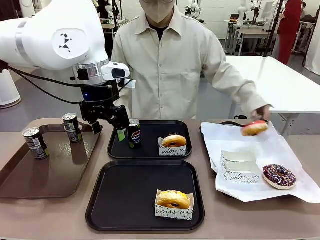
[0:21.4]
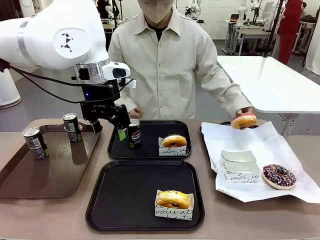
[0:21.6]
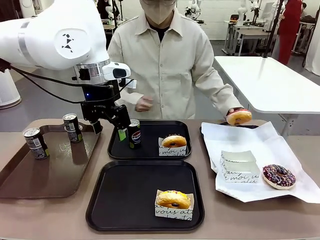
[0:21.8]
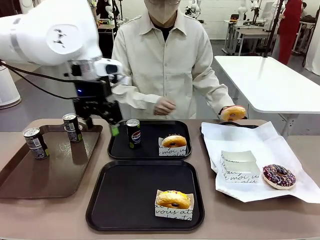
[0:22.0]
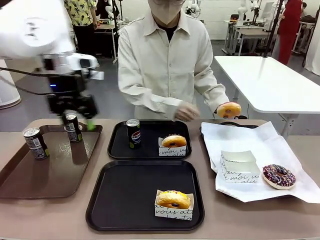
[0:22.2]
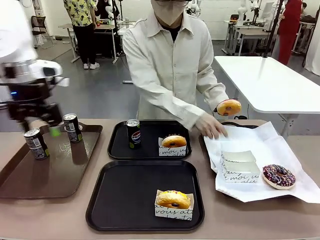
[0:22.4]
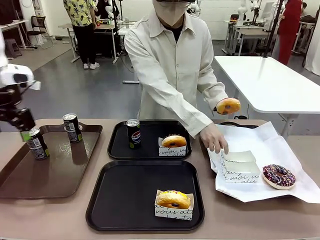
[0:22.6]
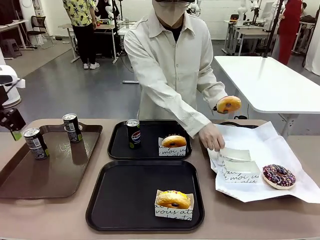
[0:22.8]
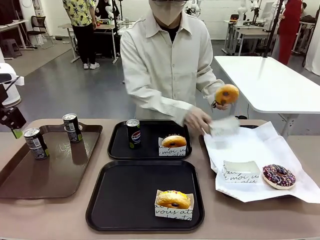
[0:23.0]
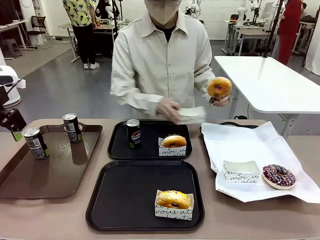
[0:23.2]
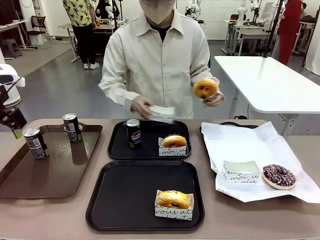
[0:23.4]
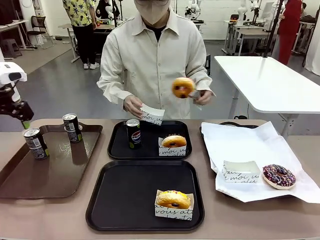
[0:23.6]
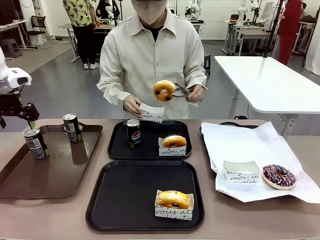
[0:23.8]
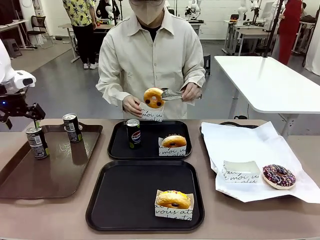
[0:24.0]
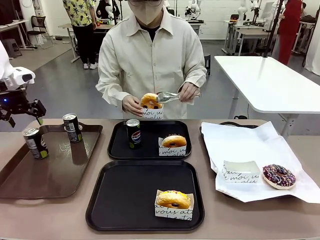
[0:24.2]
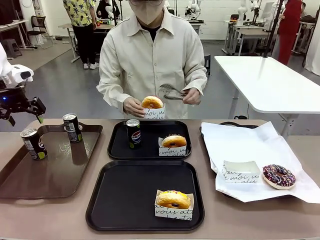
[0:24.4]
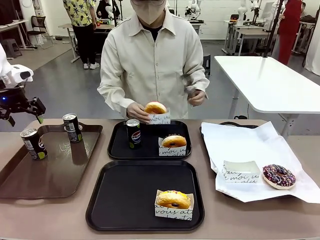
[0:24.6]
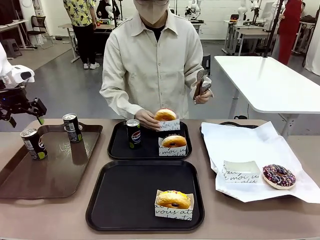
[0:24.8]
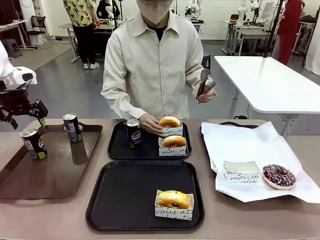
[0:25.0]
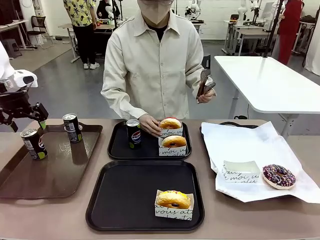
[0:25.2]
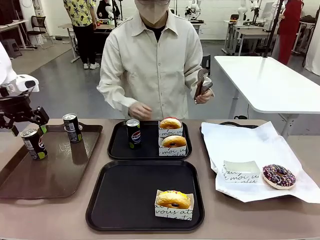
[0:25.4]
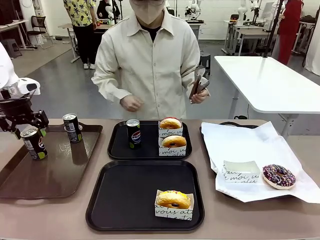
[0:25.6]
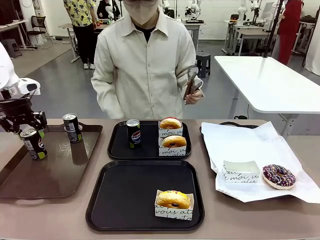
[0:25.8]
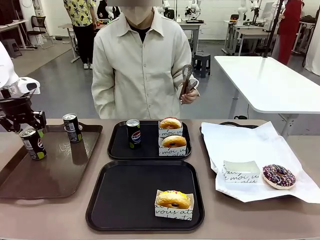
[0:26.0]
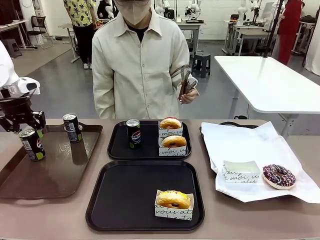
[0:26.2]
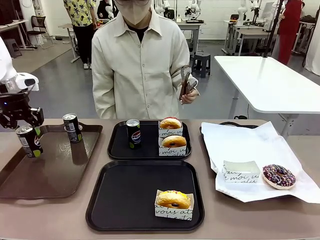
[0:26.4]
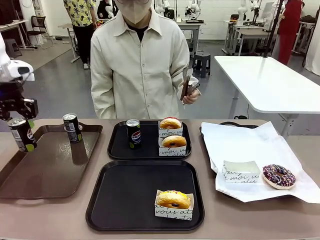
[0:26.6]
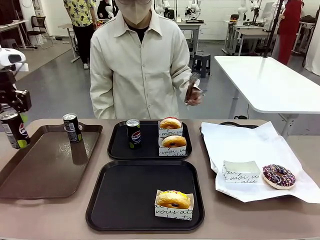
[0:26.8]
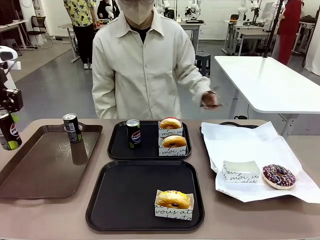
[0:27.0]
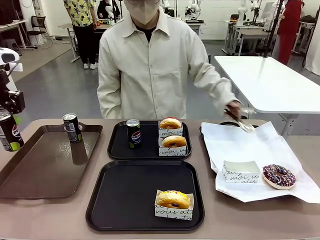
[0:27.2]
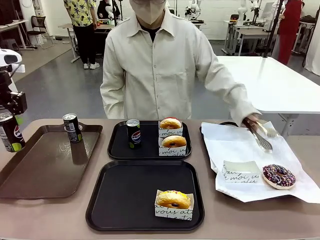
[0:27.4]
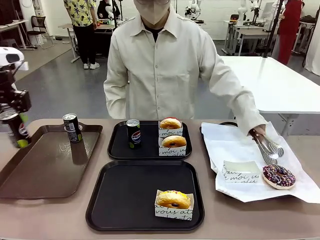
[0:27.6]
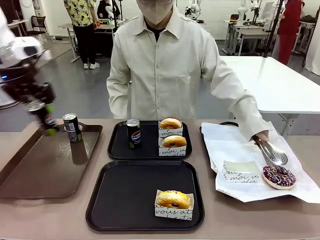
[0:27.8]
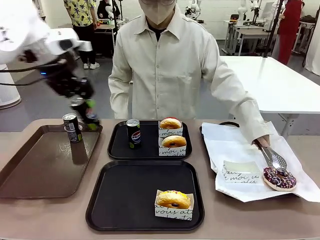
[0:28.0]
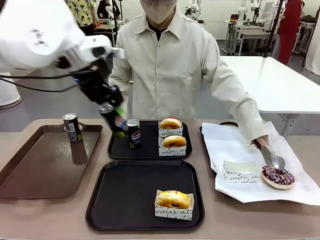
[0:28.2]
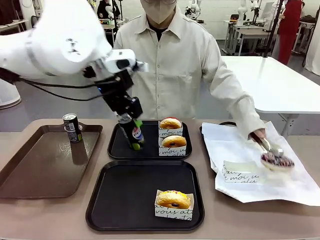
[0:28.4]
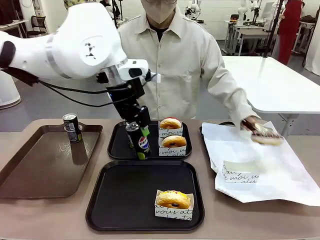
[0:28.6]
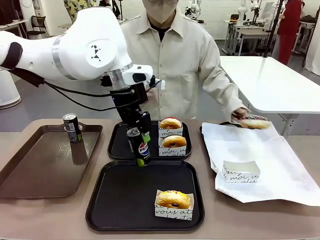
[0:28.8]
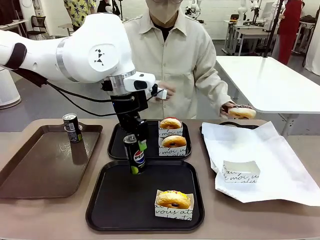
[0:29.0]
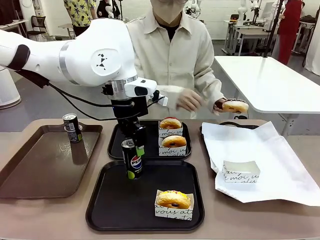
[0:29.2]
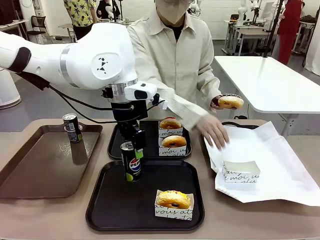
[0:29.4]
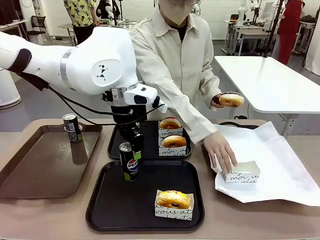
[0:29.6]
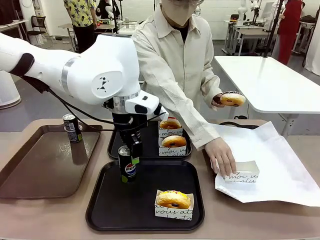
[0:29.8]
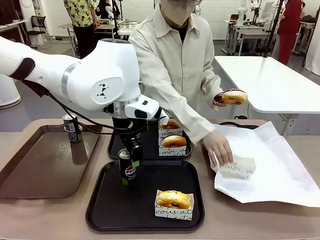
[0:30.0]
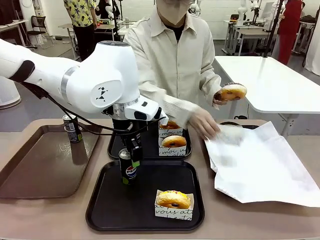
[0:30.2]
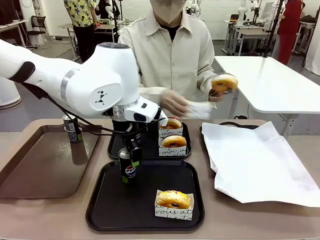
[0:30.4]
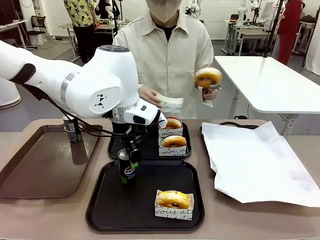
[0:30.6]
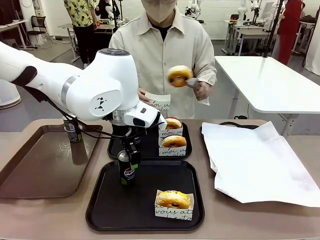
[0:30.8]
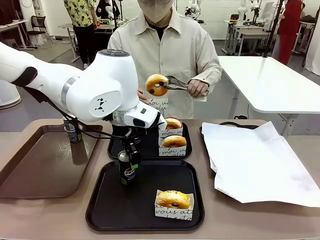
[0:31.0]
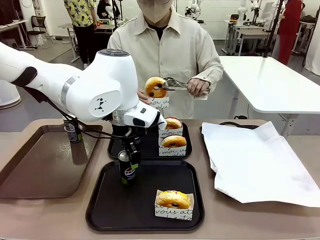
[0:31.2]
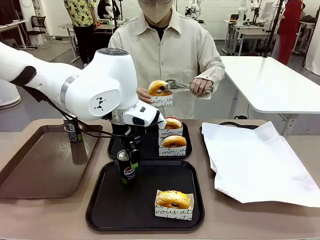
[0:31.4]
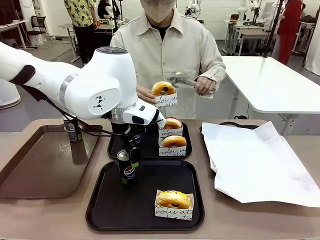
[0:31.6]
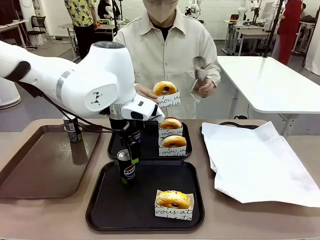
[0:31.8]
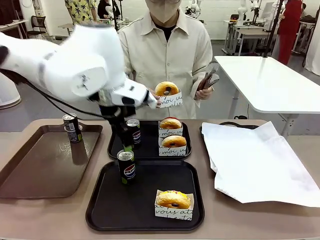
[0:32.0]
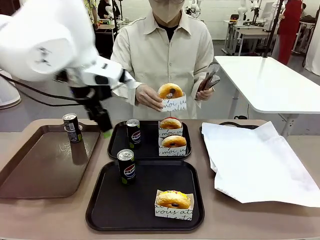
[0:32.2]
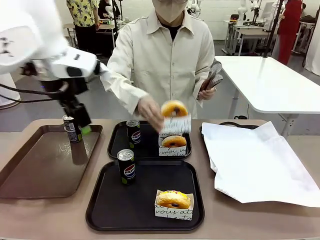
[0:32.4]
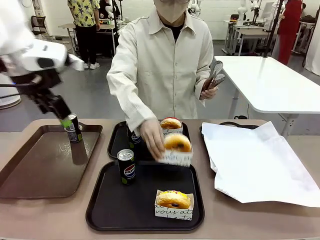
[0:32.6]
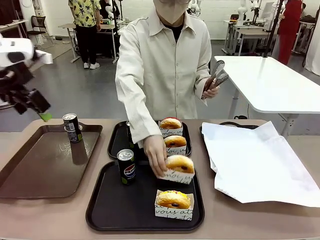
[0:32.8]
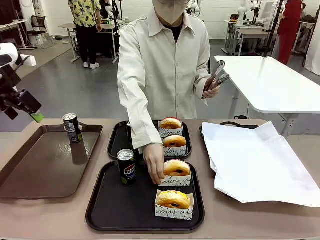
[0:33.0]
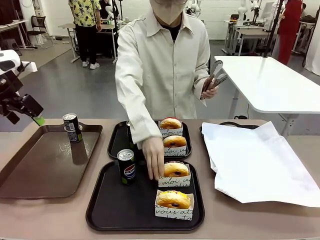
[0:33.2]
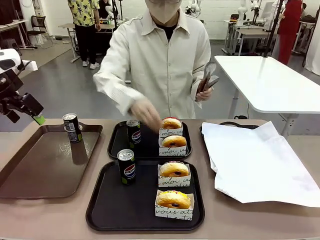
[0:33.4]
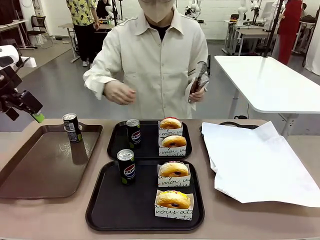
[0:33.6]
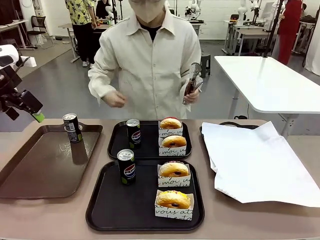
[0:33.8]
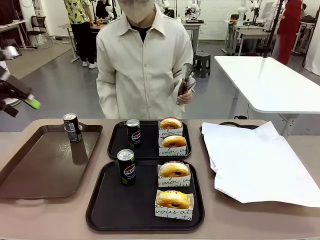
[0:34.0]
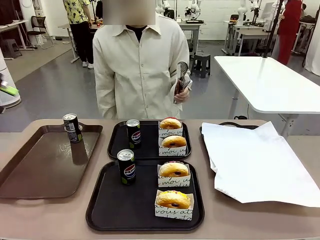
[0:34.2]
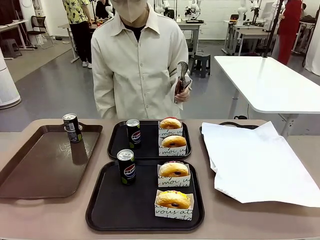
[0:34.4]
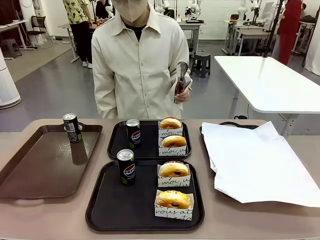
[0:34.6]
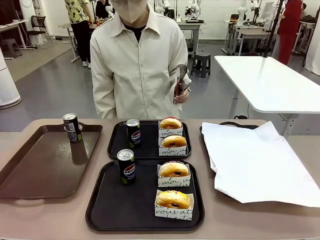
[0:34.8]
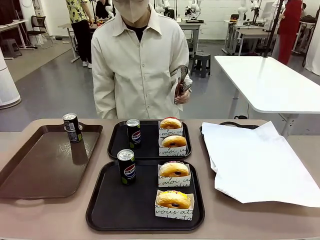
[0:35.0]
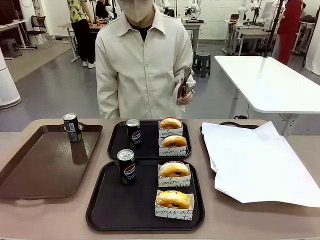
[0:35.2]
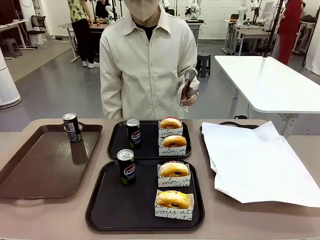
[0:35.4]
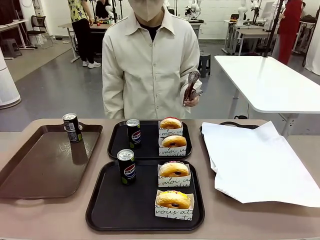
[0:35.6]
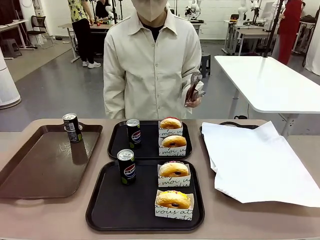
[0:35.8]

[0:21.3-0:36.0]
Task: Set up donuts and drinks on trays.
Robot: Pick up one Pepsi coke from the Handle tray and place it on the Flat Tray without a Pepsi coke.
